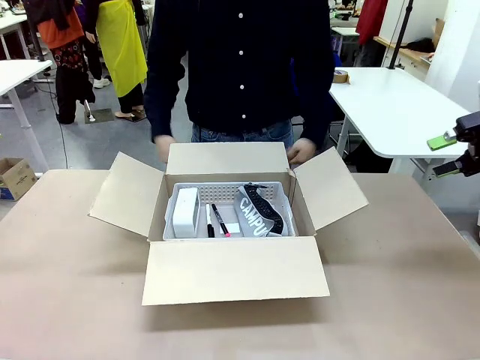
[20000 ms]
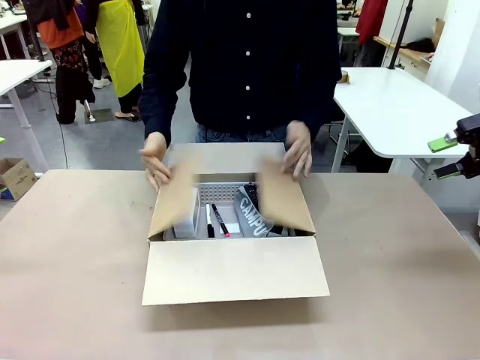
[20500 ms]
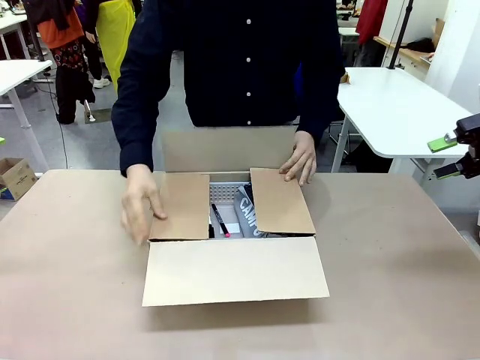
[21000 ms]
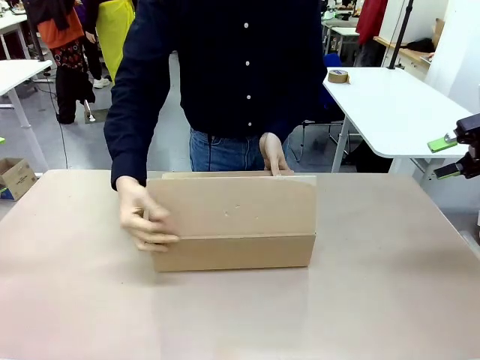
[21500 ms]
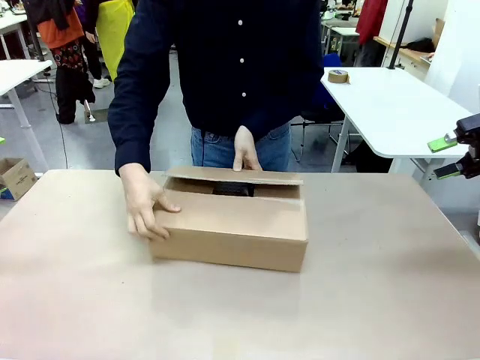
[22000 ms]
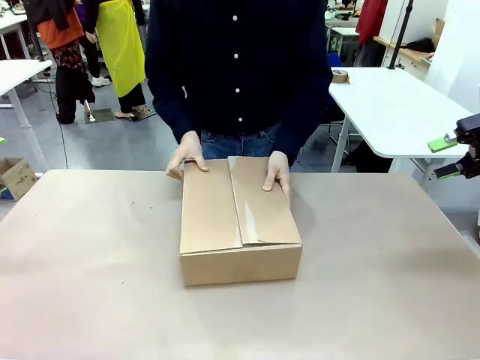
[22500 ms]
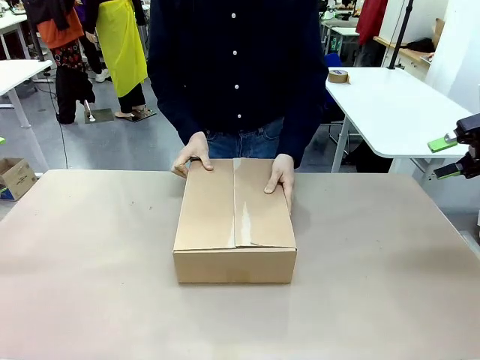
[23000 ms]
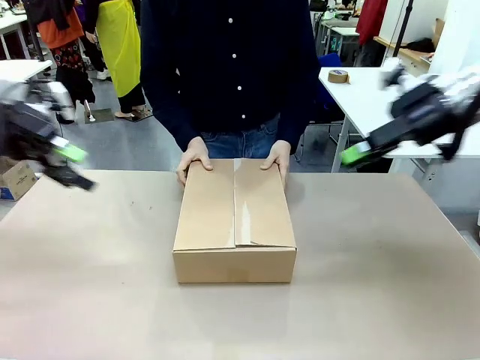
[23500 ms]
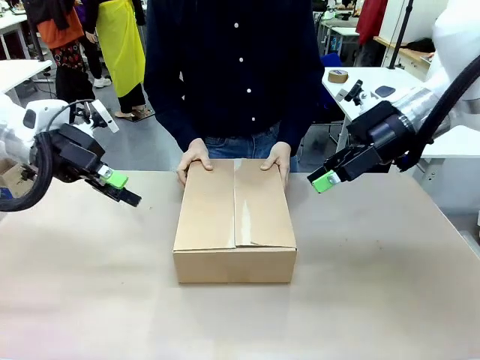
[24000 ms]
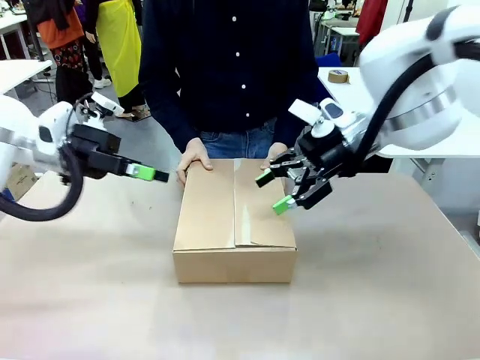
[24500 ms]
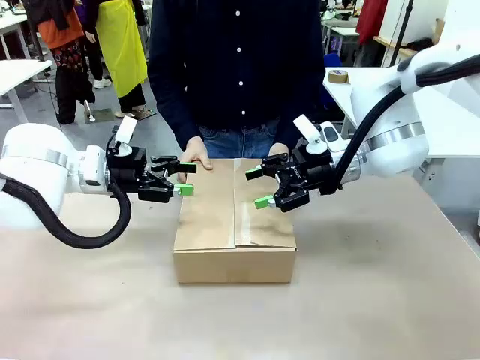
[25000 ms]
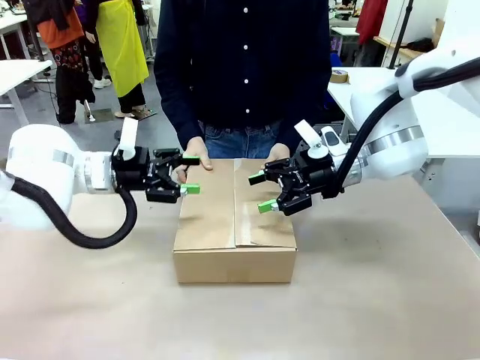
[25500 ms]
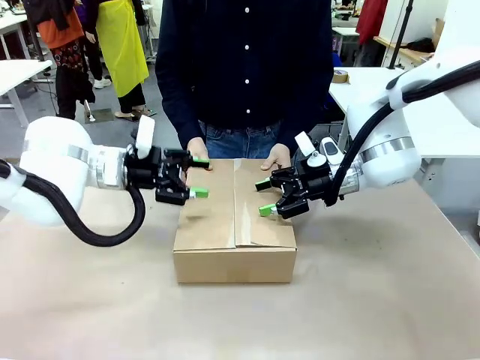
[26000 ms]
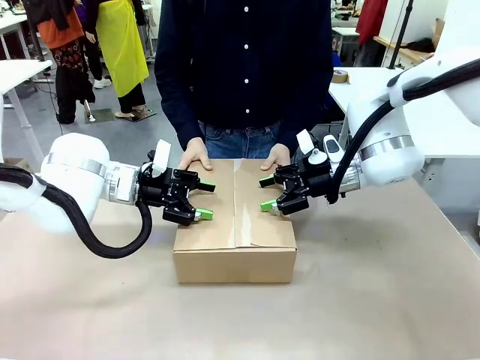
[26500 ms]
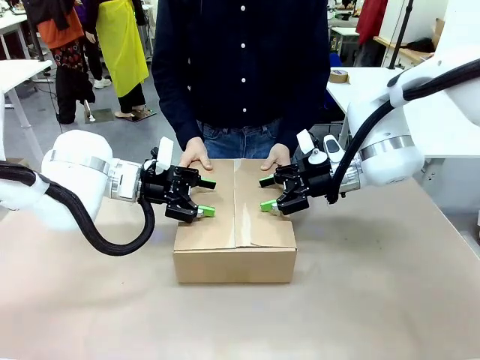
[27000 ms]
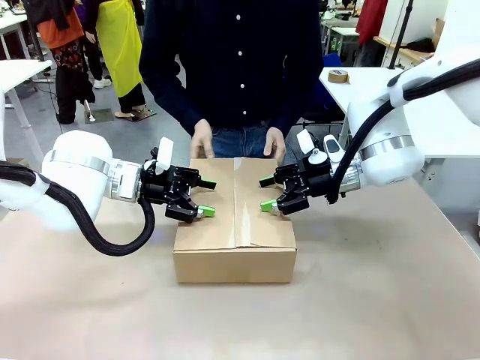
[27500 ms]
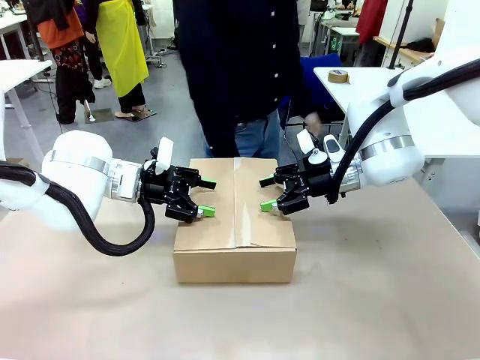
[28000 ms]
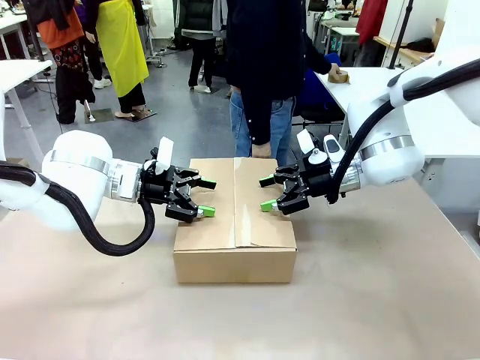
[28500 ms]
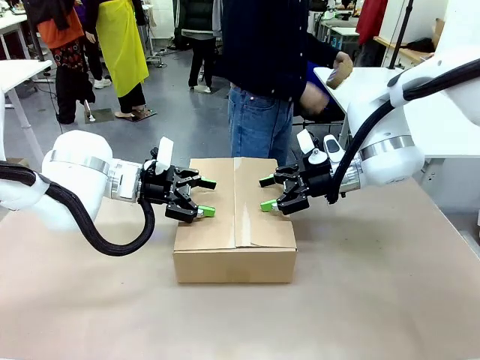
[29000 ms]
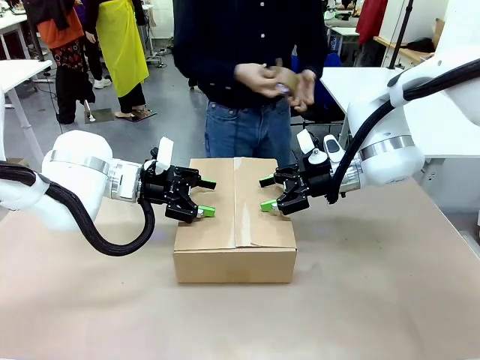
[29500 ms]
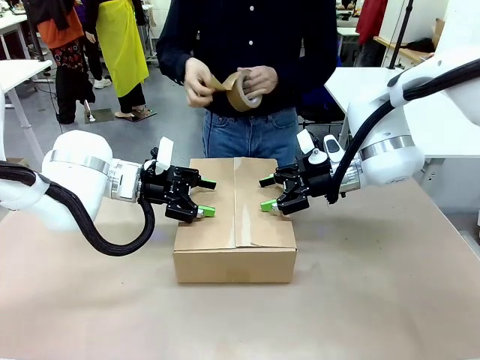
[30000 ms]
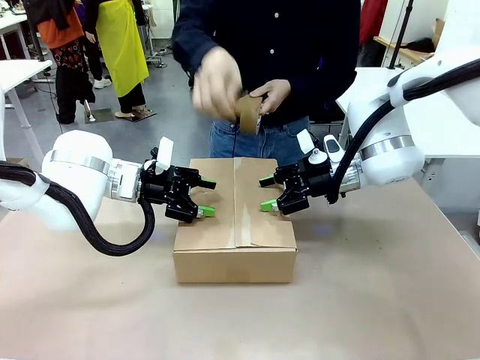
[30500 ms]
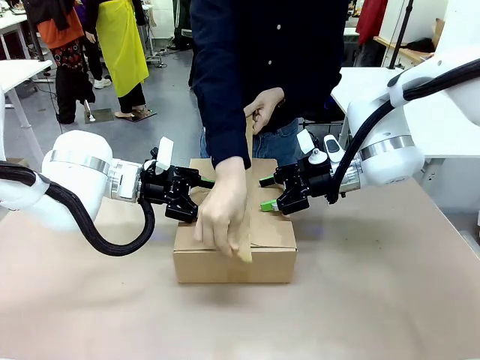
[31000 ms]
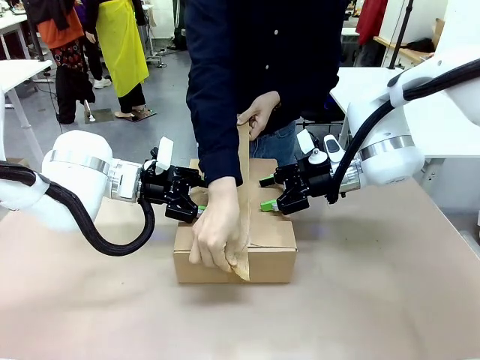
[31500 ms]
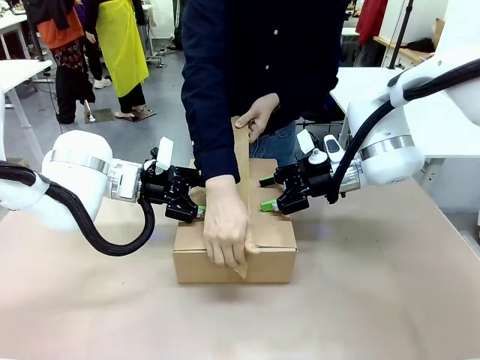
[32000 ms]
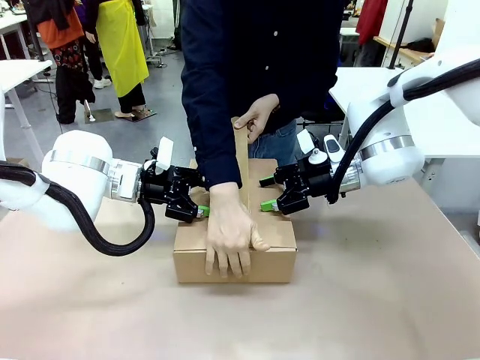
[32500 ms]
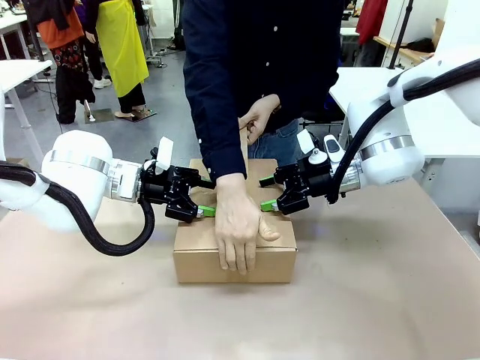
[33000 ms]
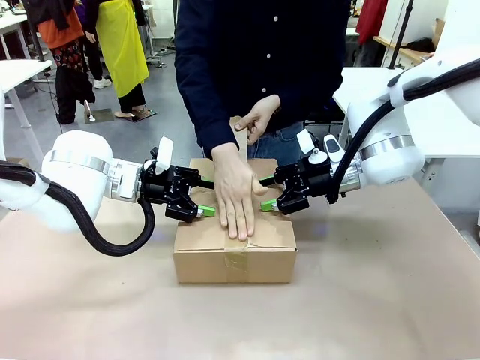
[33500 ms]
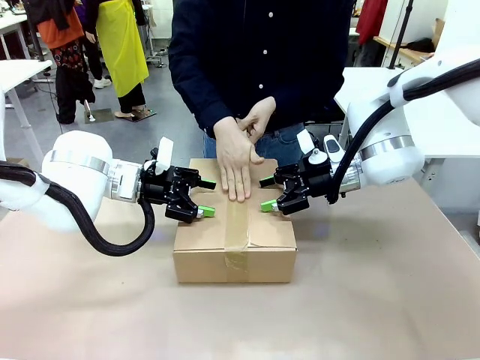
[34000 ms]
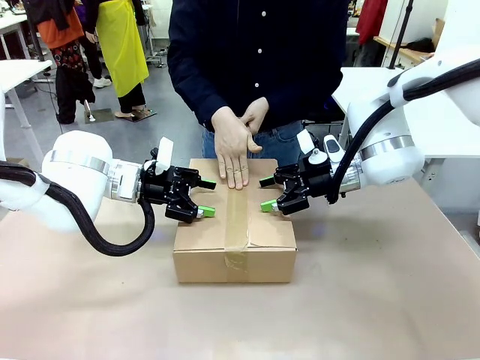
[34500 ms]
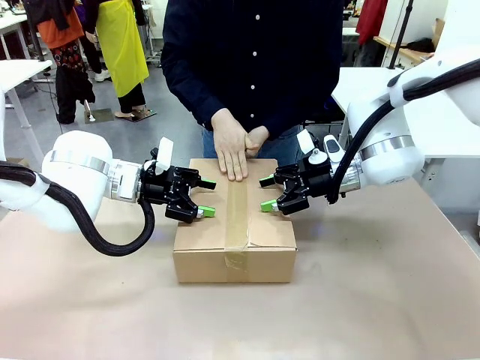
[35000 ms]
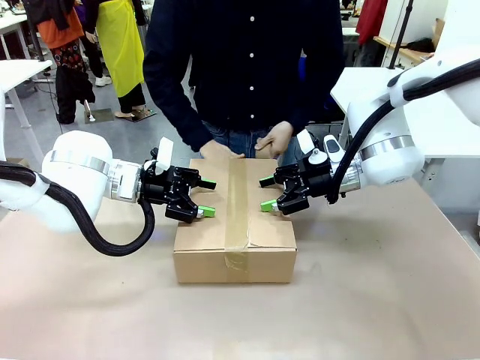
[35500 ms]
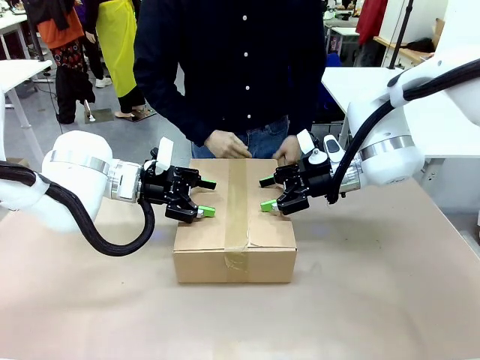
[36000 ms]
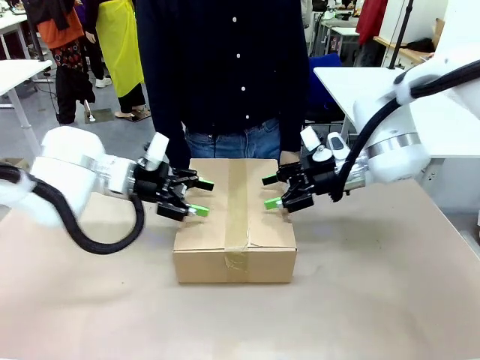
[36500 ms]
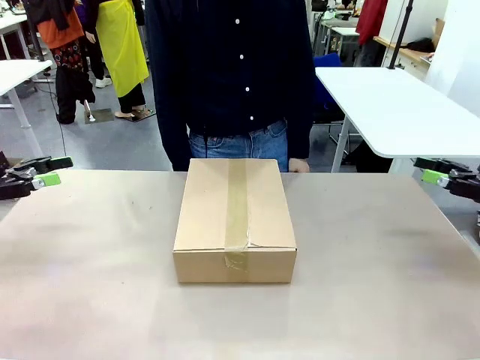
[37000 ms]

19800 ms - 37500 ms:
Task: Pack the gift set into the box.
Robot: Press and hold the closed box until the human finishes sealing it.
Person: The human closes the box and rotates the box by 90 degrees. The human picks up the paper tape from the human table and packs the box.

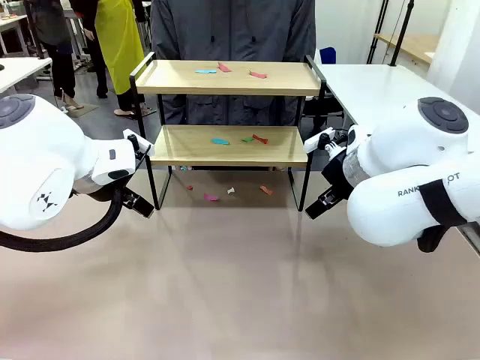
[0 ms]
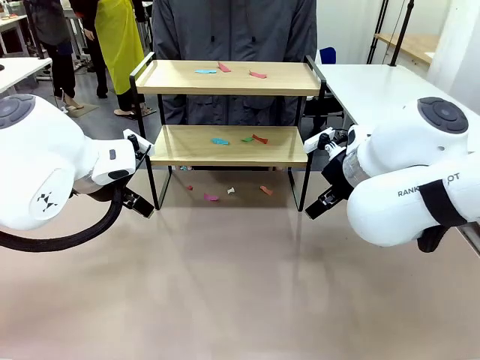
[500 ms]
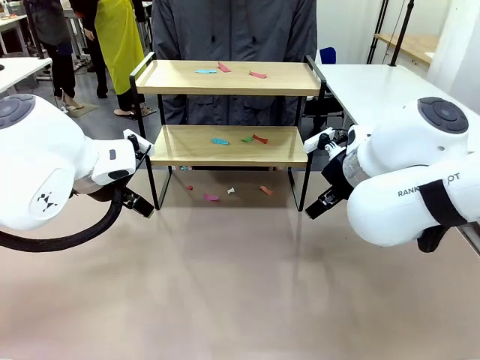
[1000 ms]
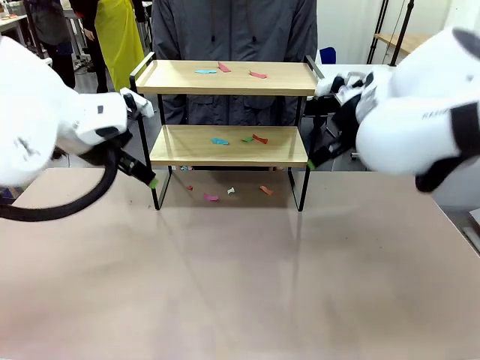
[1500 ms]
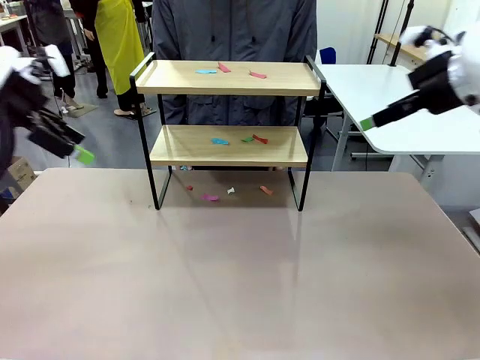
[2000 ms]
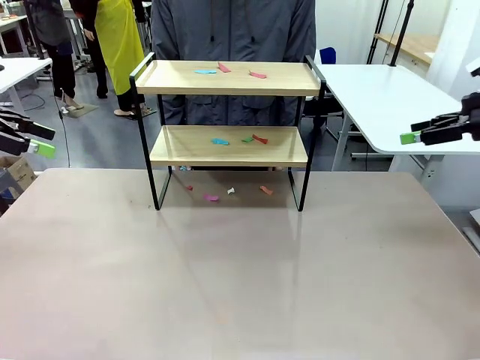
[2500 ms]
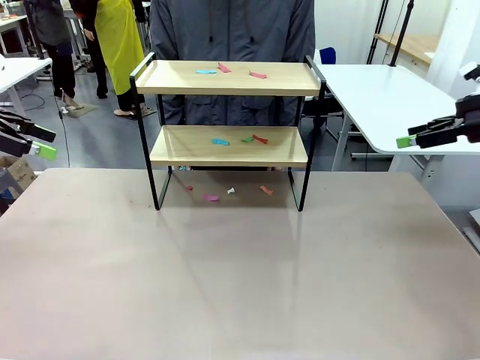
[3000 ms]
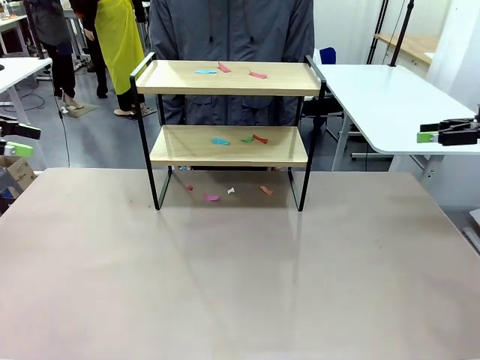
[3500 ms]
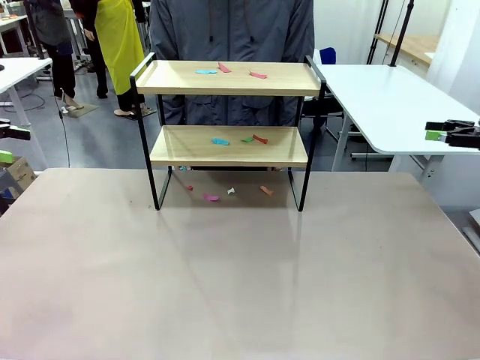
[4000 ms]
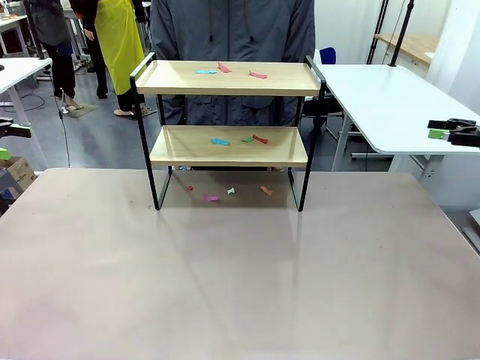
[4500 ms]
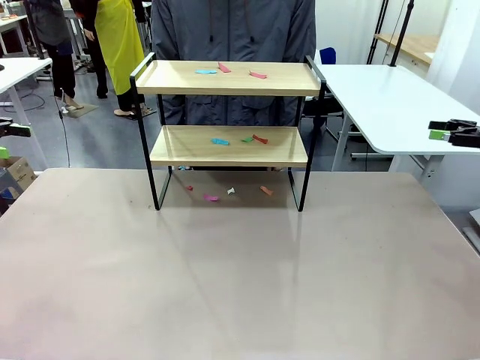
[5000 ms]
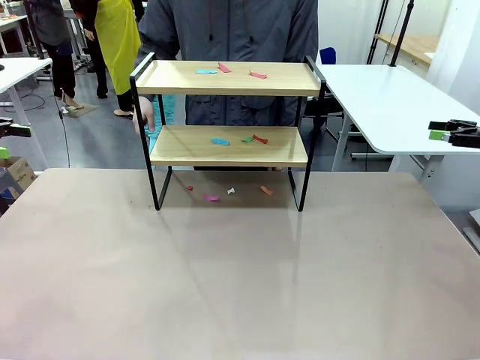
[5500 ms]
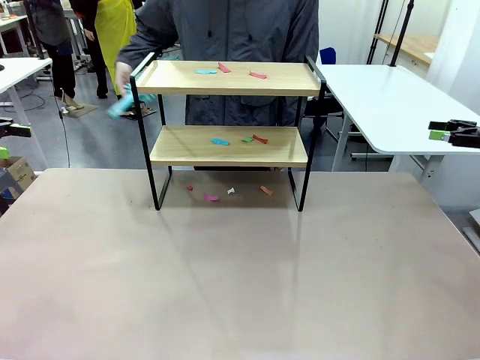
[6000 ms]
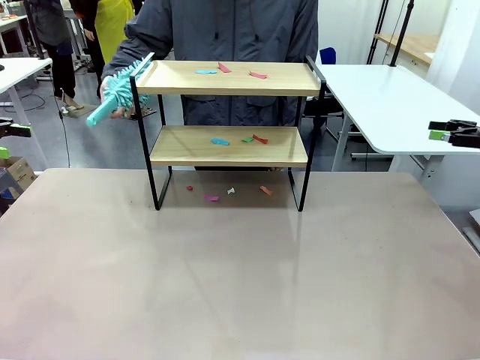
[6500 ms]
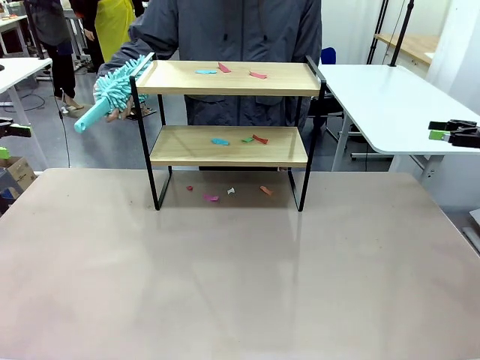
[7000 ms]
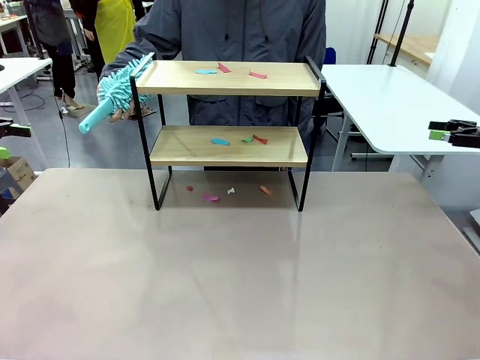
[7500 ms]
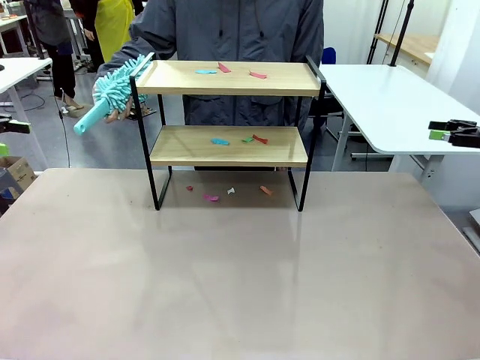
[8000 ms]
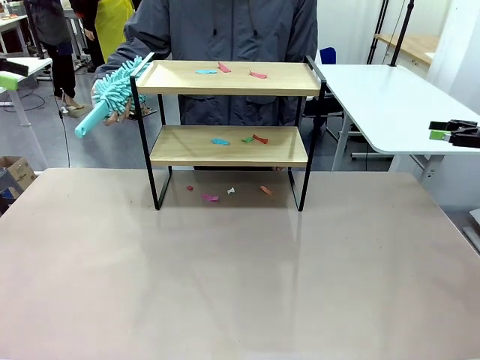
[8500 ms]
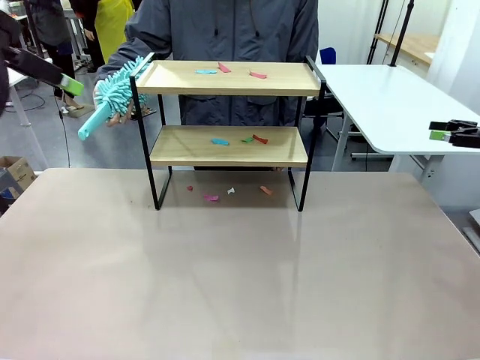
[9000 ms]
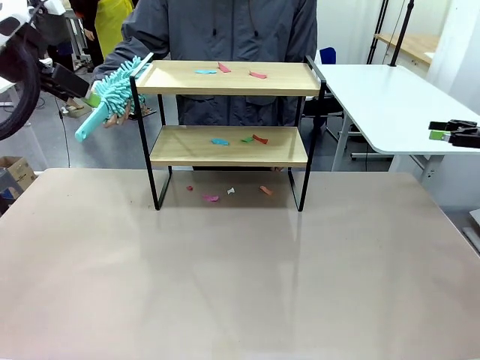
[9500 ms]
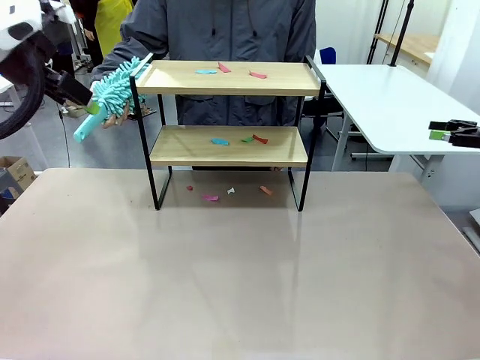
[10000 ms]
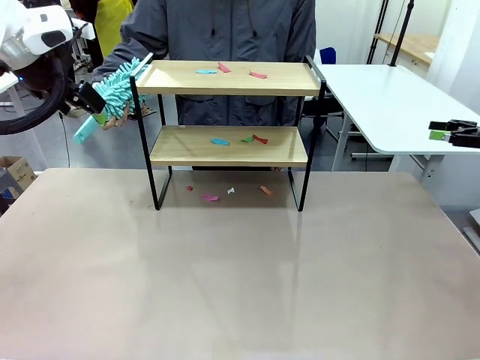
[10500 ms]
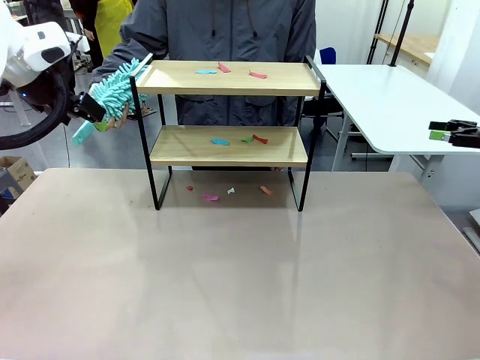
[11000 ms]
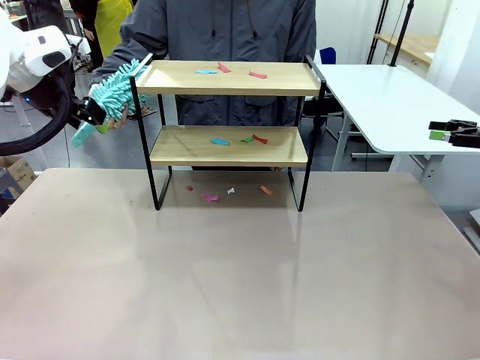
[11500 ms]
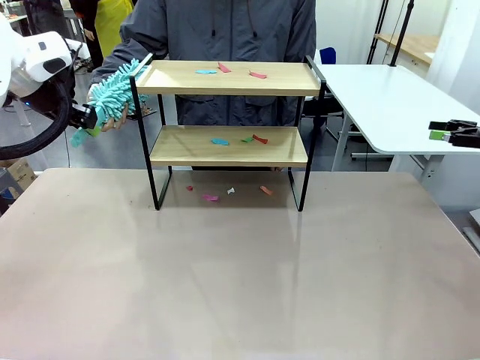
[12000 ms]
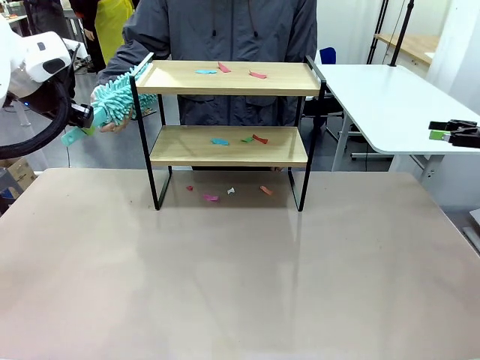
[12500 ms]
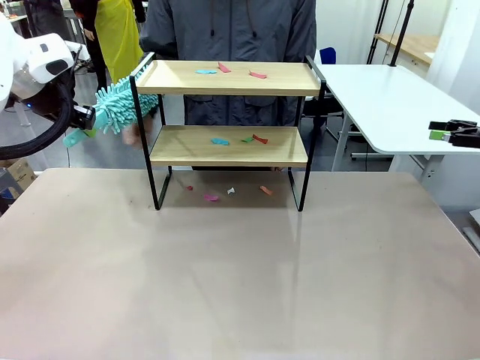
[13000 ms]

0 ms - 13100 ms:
Task: Clean the shelf.
Robot: Pick up the Duster handed by the human.
Person: Hand the Duster to the robot.
